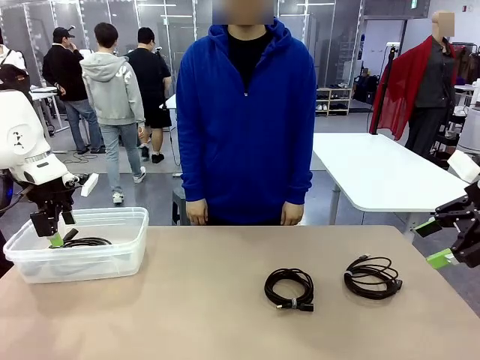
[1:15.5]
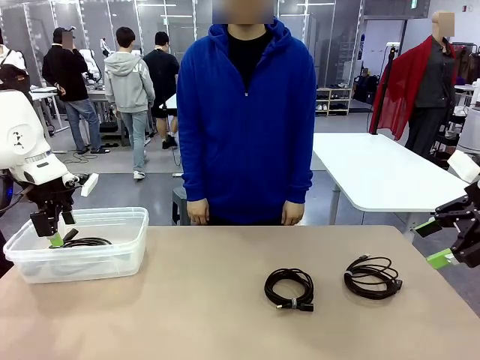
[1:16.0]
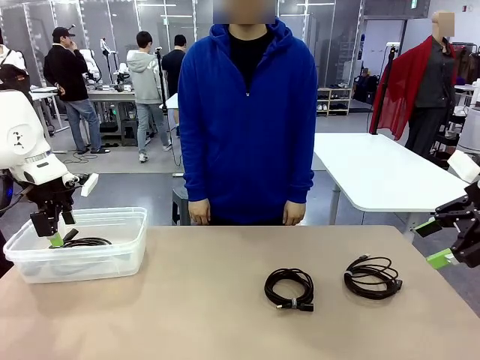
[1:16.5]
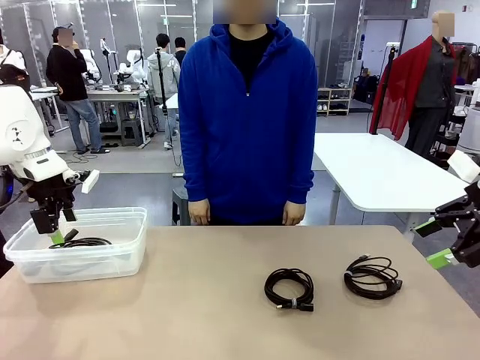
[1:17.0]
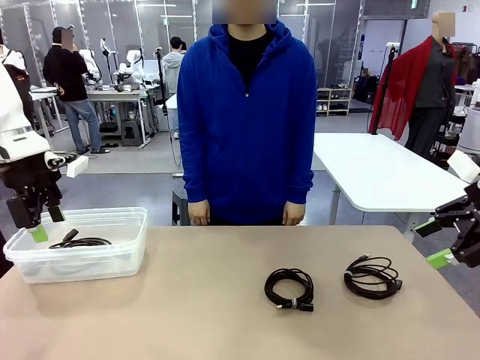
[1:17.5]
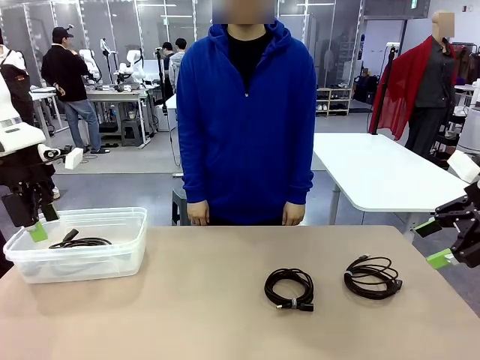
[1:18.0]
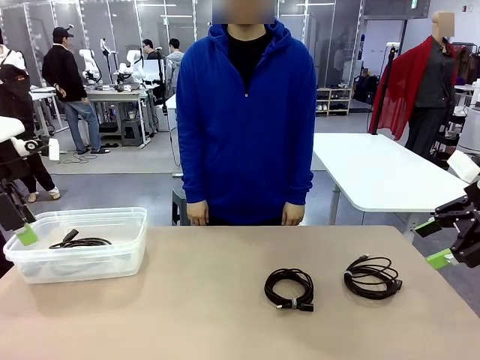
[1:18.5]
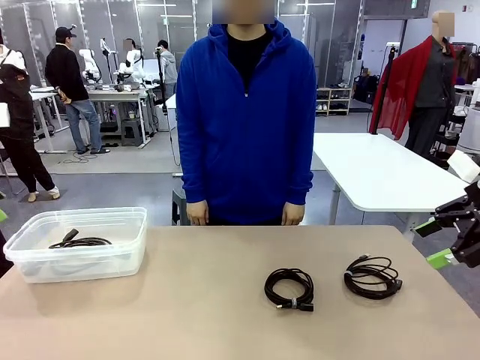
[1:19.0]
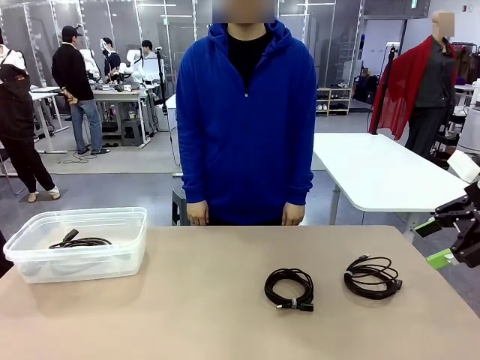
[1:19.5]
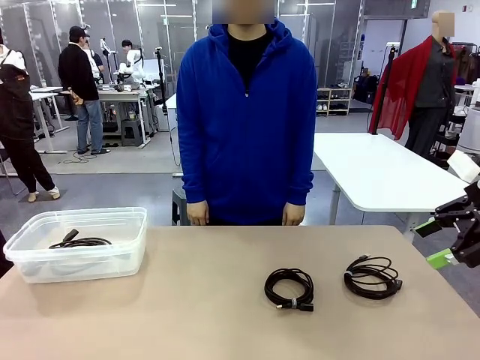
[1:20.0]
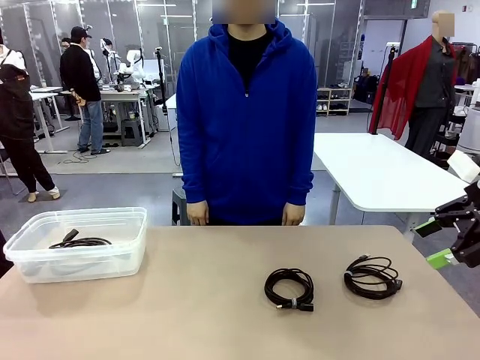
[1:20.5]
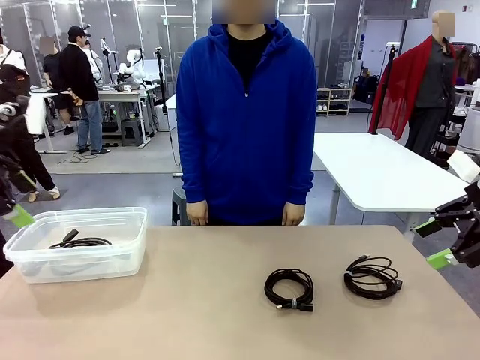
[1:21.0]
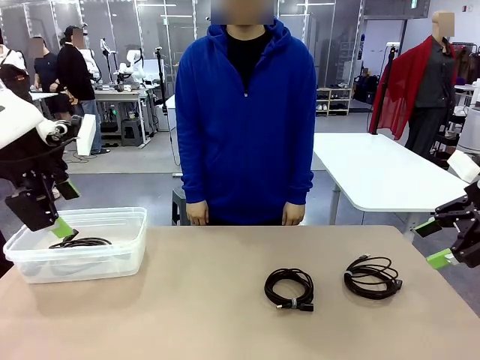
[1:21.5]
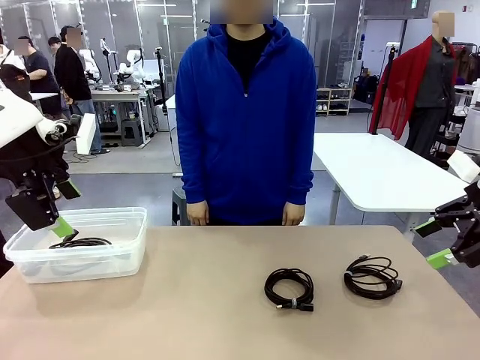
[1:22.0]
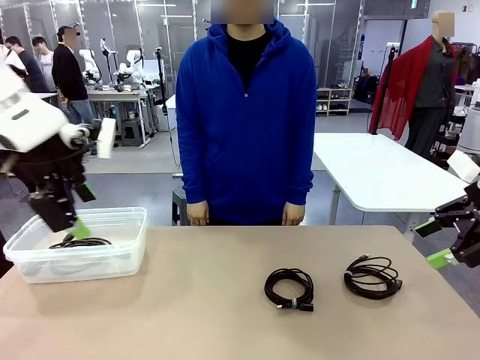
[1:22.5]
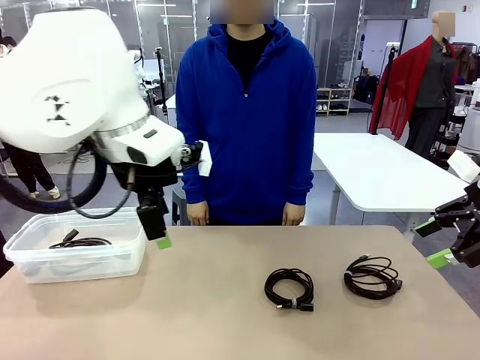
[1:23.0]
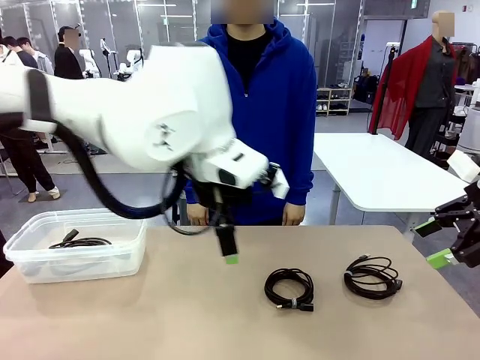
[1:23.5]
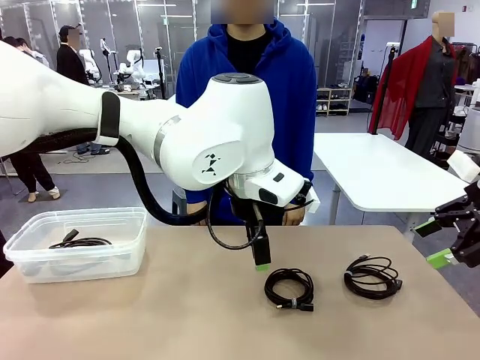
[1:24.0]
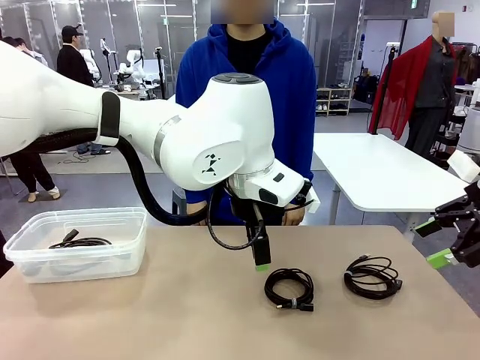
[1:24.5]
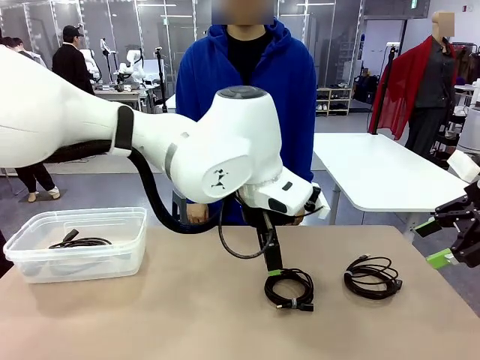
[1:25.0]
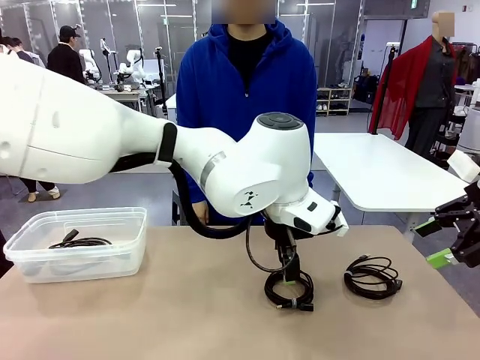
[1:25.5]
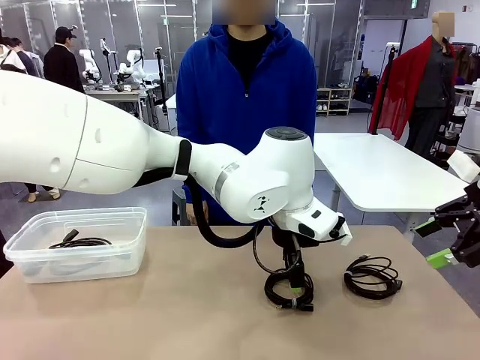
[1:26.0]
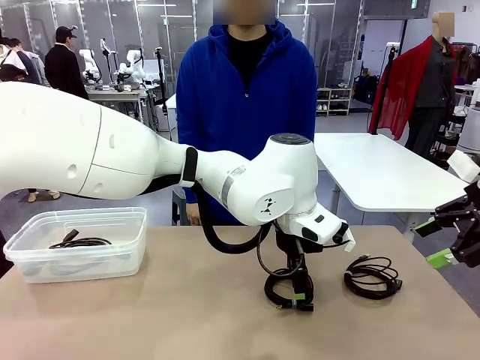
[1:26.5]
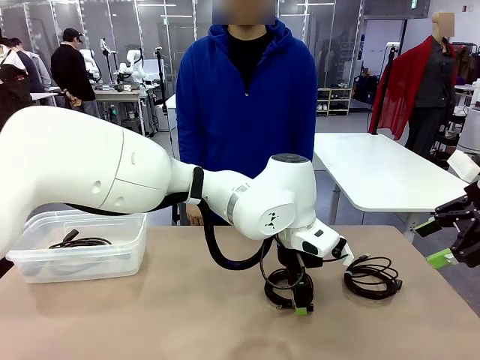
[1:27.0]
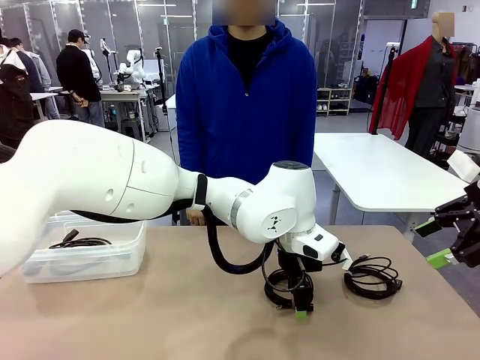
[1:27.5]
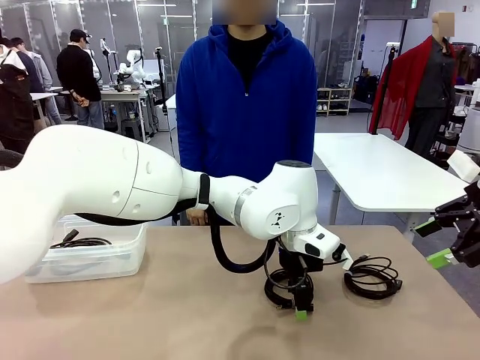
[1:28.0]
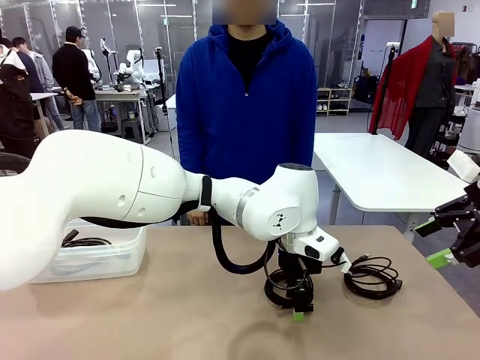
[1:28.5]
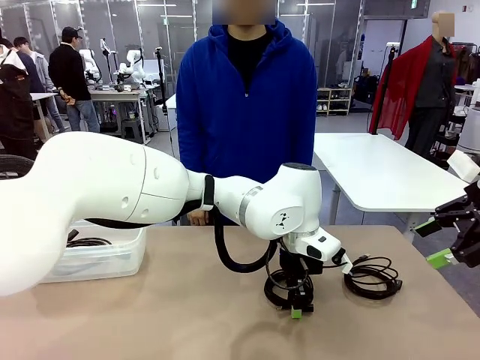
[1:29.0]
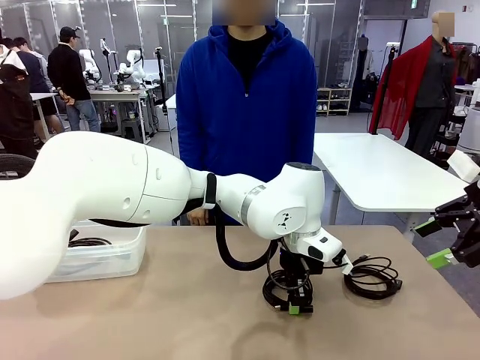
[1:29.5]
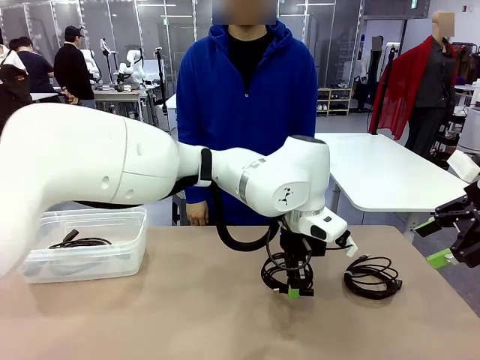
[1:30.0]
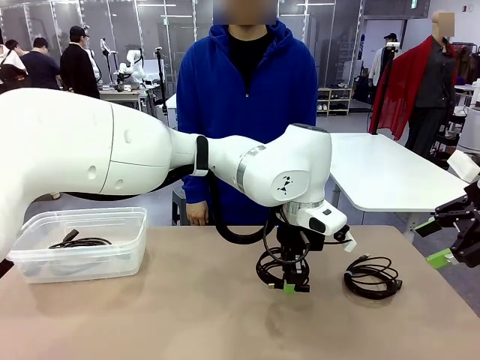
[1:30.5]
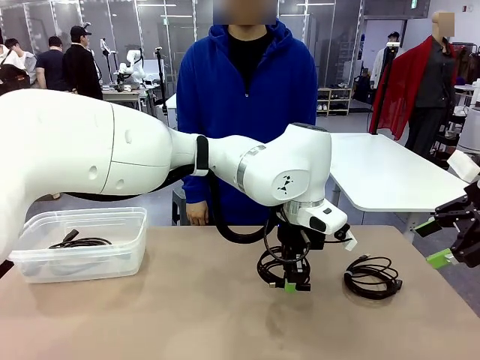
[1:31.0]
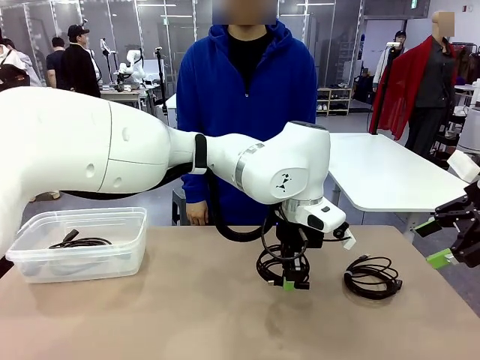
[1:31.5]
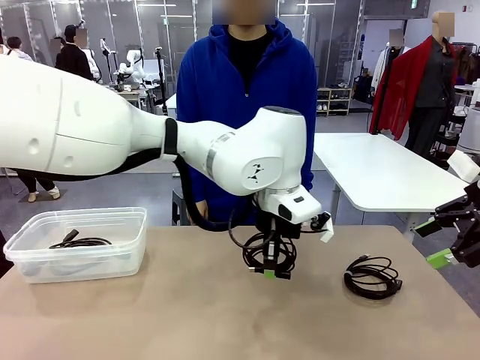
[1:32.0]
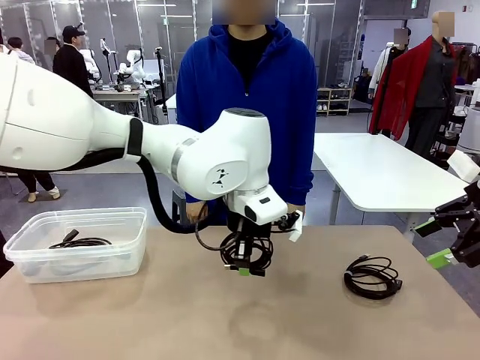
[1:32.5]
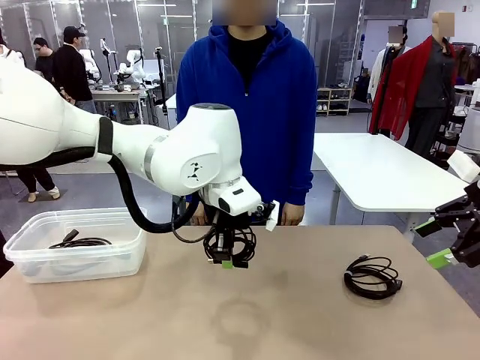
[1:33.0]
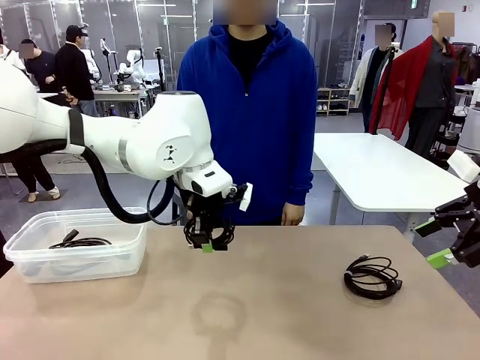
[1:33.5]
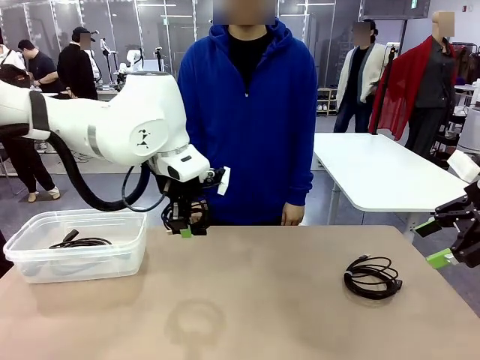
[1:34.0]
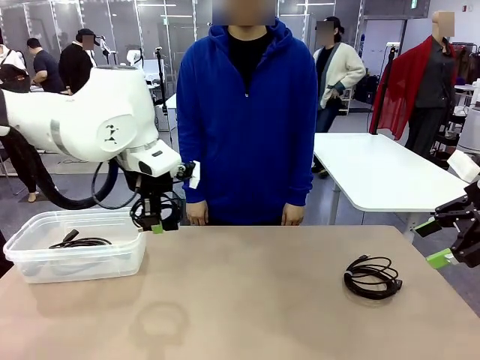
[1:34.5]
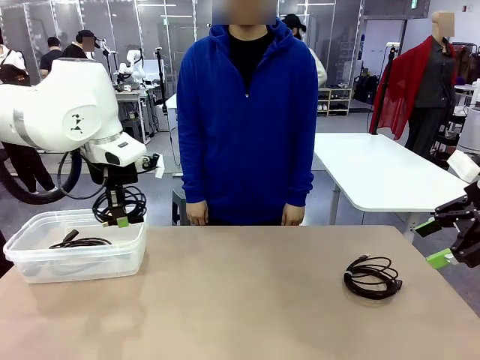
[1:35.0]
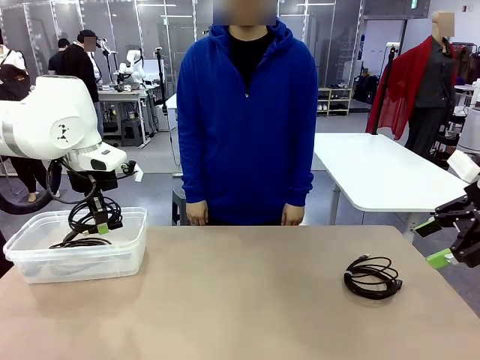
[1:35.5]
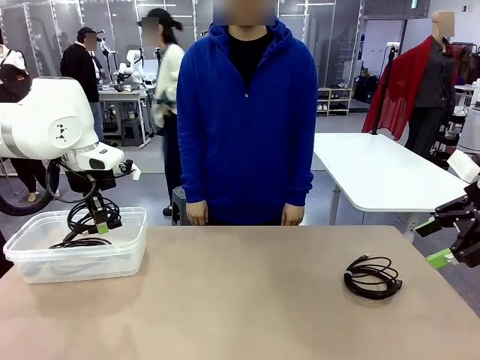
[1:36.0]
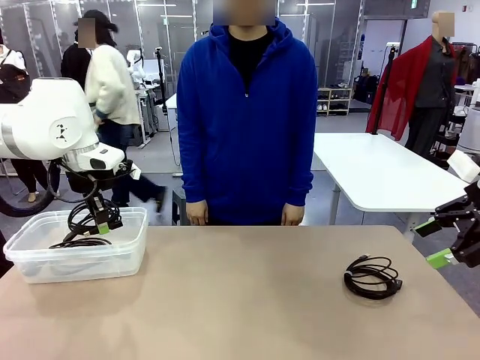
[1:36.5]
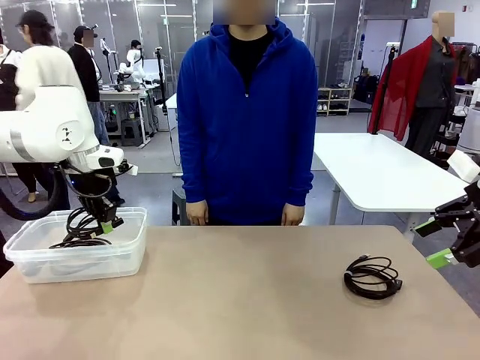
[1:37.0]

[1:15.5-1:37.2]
Task: Organize and store the cables.
Robot: Place the USB Extension Cable into the Organizing box.
